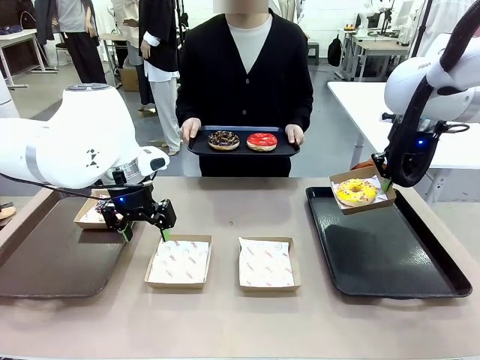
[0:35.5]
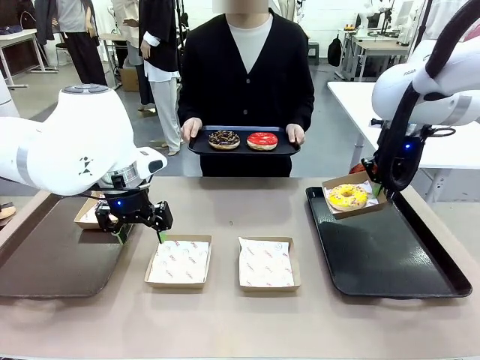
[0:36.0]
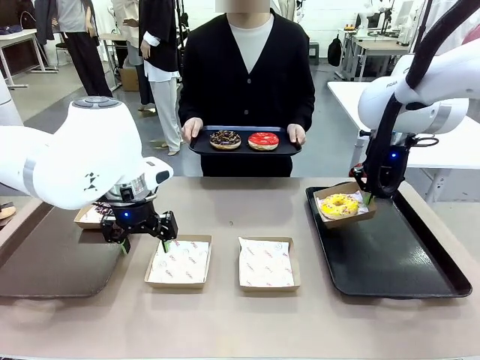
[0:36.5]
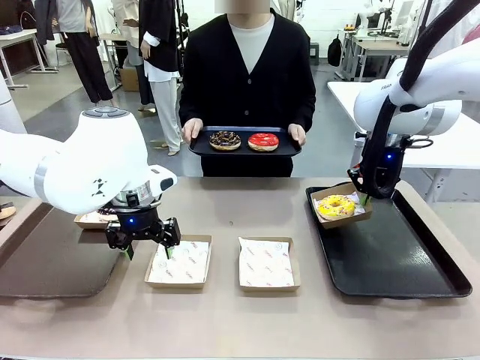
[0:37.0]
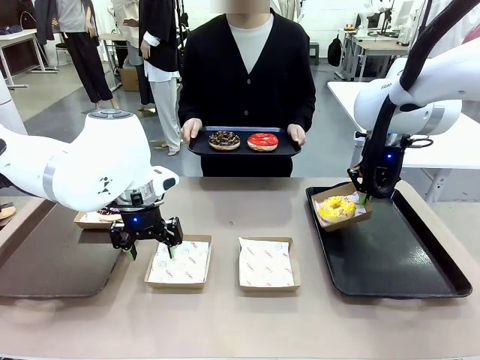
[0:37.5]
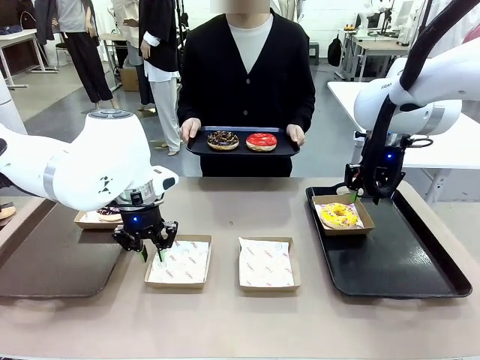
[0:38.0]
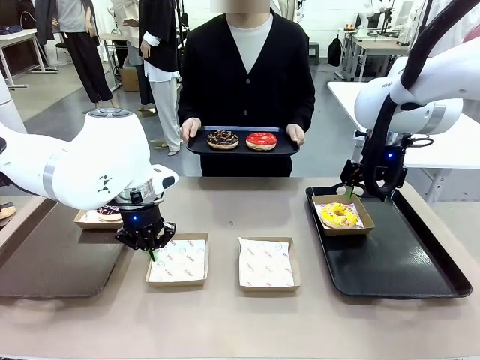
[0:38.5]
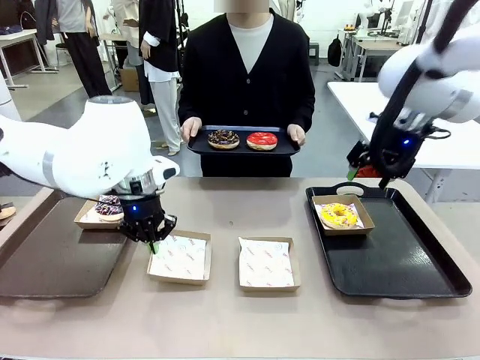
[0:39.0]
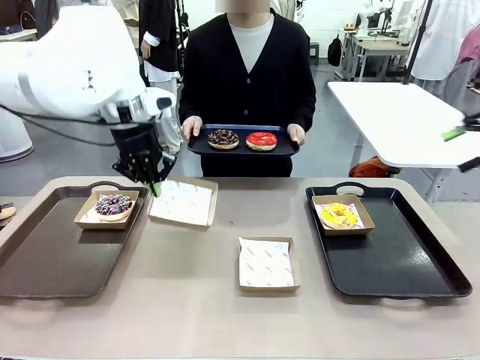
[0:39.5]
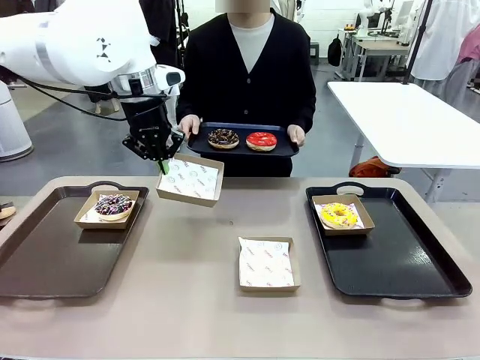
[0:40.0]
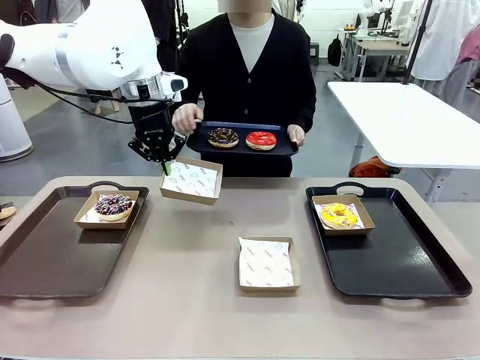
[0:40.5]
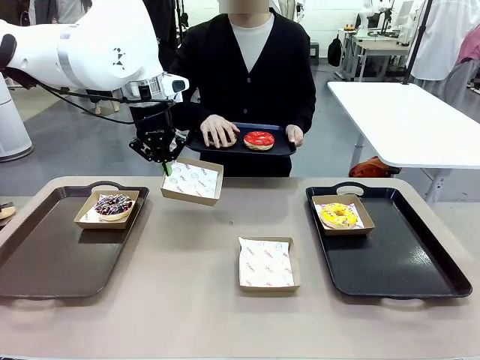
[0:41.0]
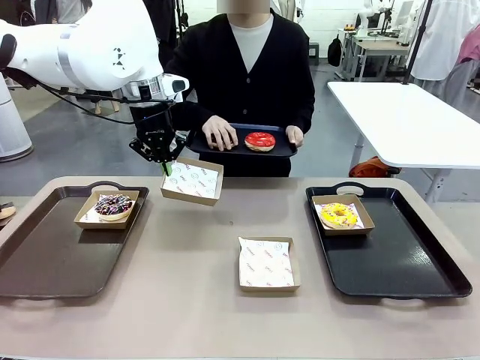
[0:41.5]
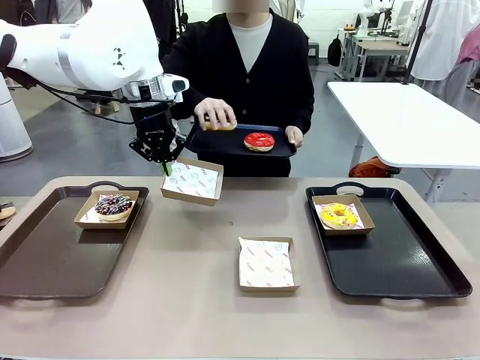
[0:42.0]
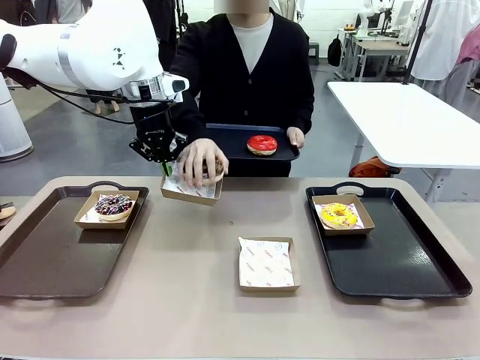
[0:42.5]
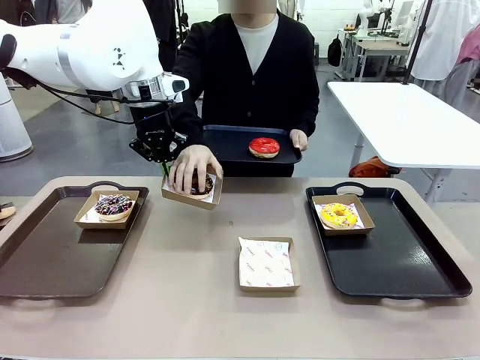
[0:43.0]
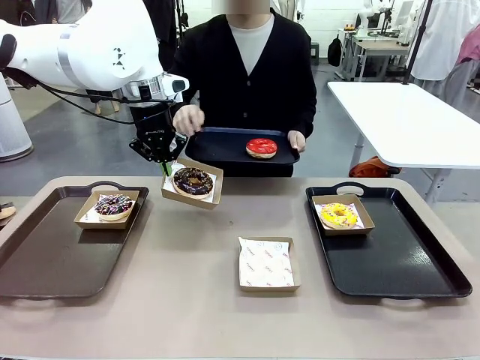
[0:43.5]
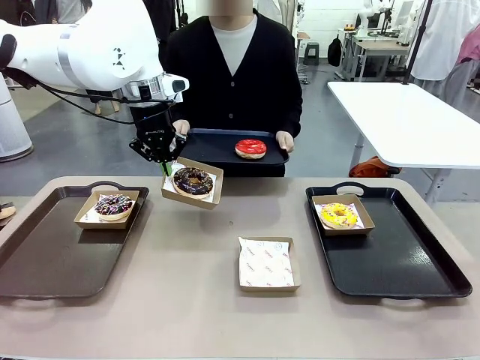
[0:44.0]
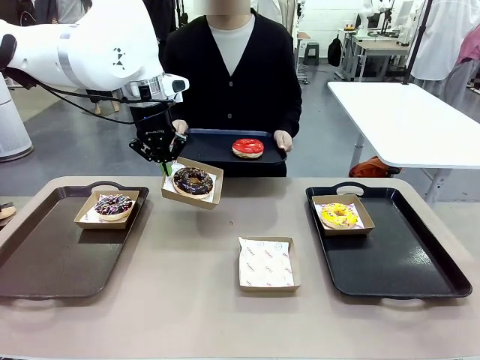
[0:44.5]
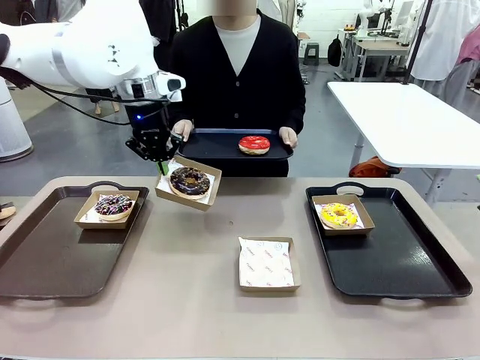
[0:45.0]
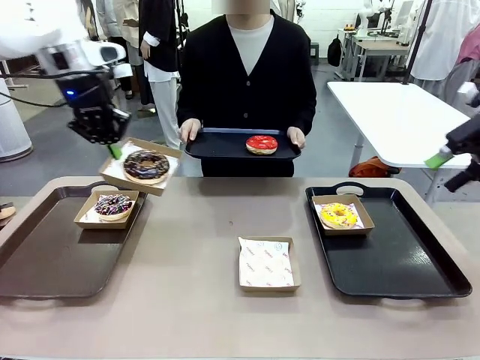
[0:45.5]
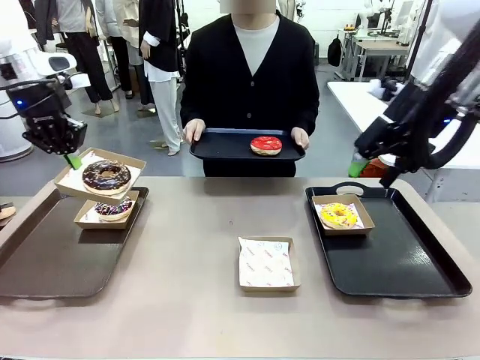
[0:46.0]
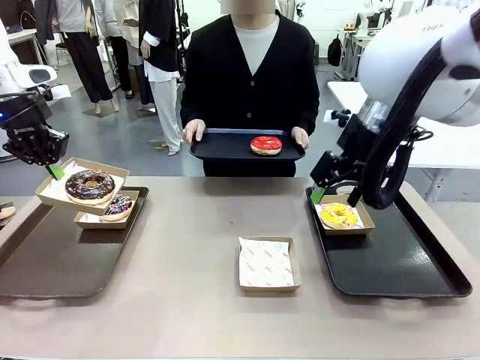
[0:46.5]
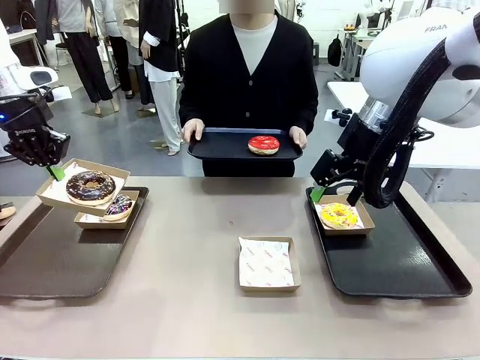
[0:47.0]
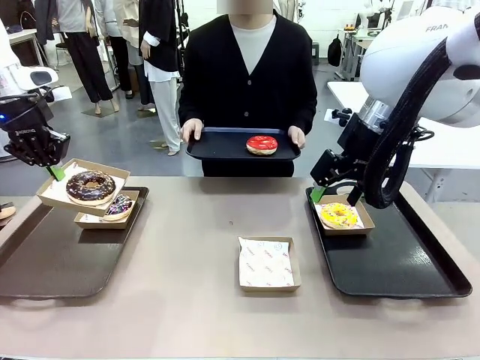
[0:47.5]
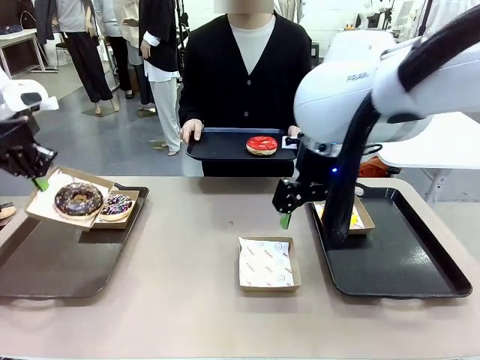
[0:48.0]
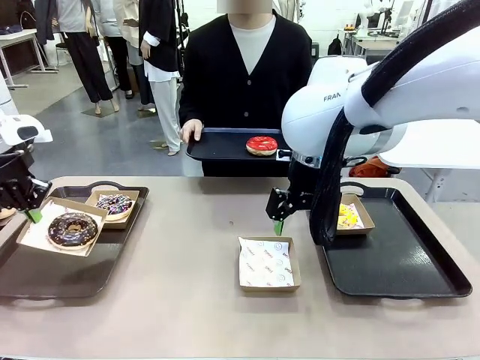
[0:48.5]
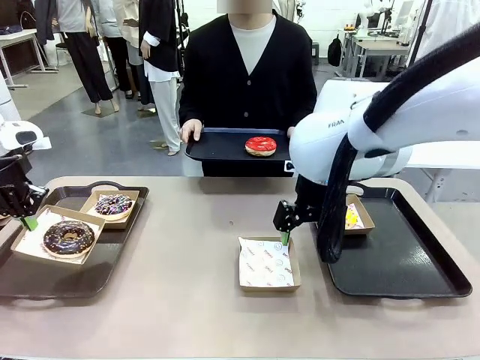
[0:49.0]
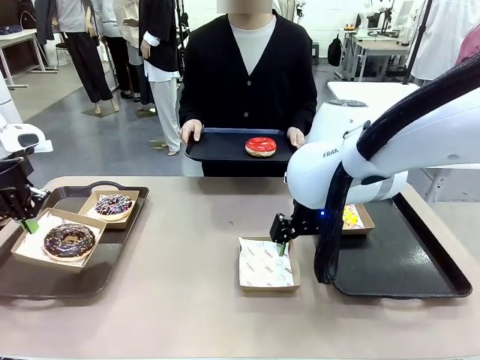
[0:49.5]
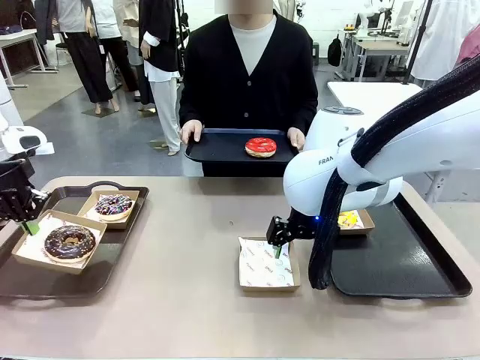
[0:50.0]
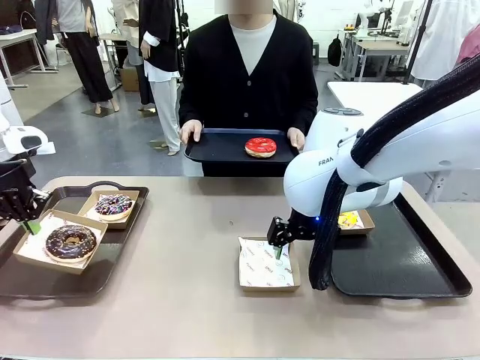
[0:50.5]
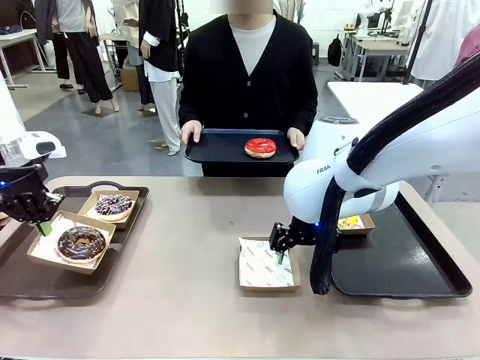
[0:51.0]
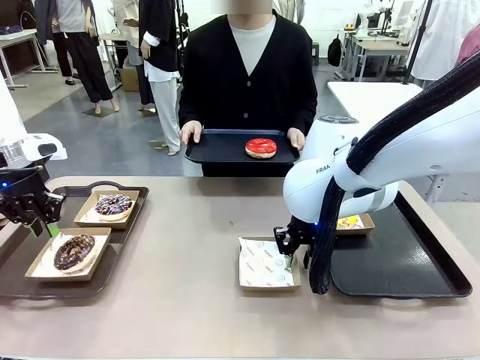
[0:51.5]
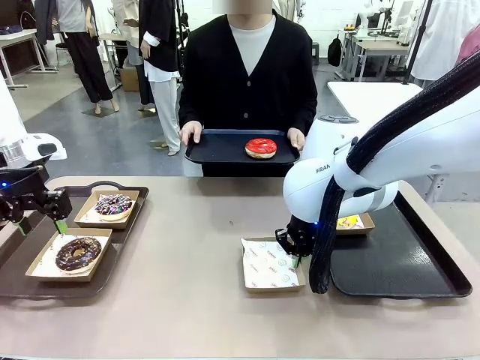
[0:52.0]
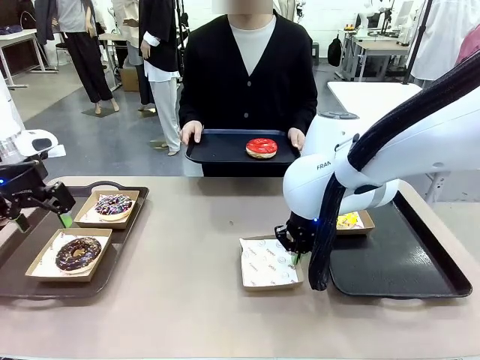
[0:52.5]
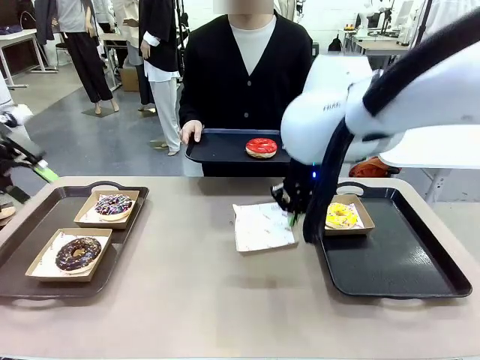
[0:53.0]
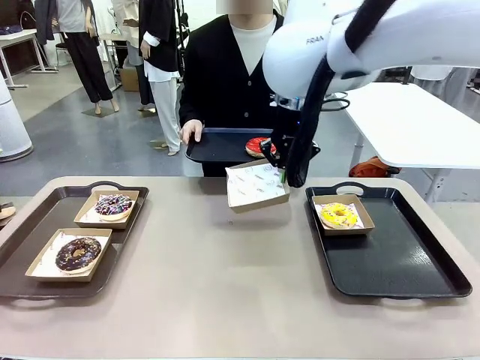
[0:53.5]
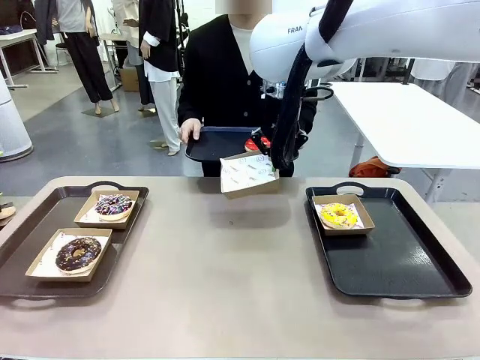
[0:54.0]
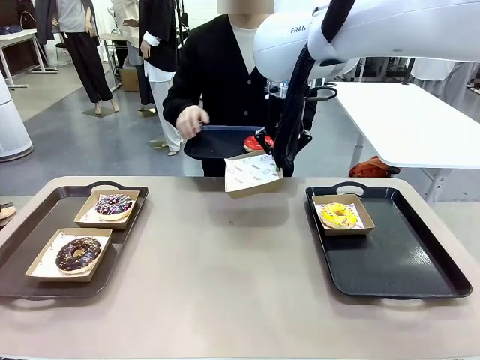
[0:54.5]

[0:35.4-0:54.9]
Task: Individually package the donuts and arrange them on the tray.
Robot: Place the picked Paper togo box on the Handle tray while simultaneously picking up another Paper togo box from the table with the other hand.

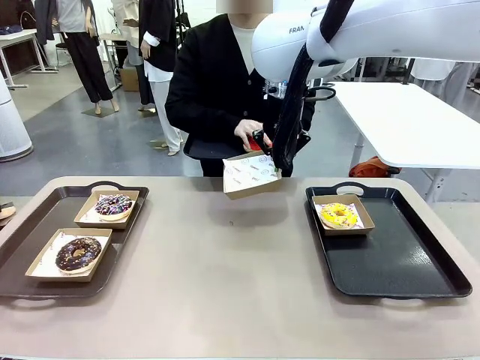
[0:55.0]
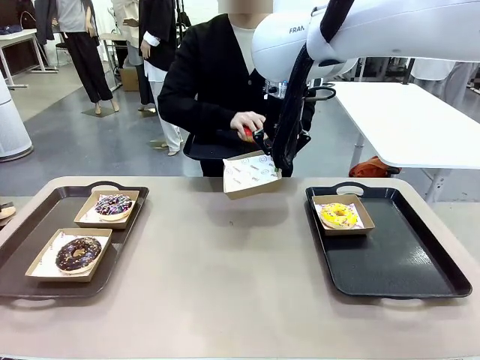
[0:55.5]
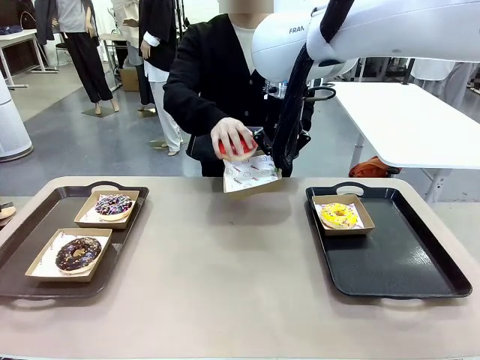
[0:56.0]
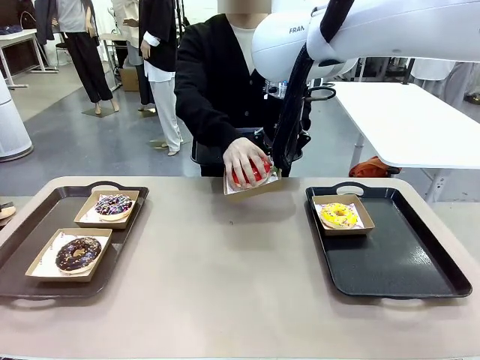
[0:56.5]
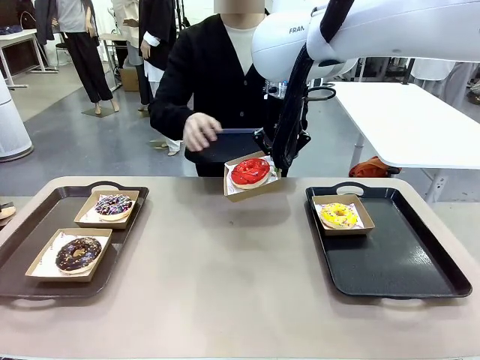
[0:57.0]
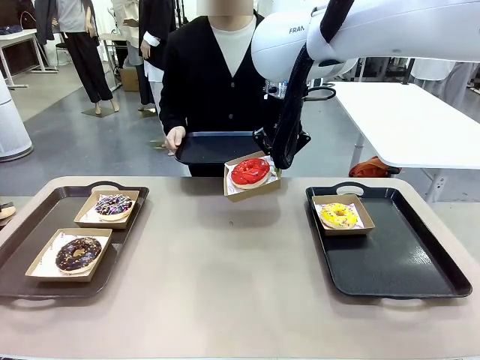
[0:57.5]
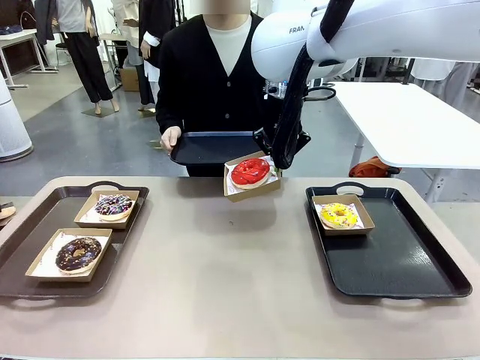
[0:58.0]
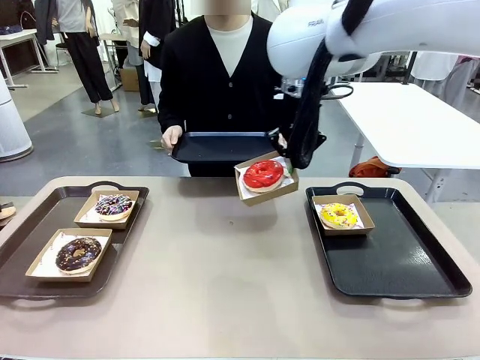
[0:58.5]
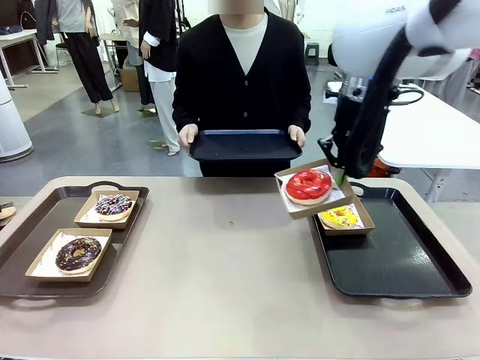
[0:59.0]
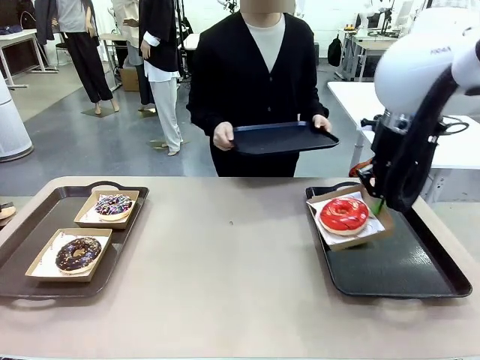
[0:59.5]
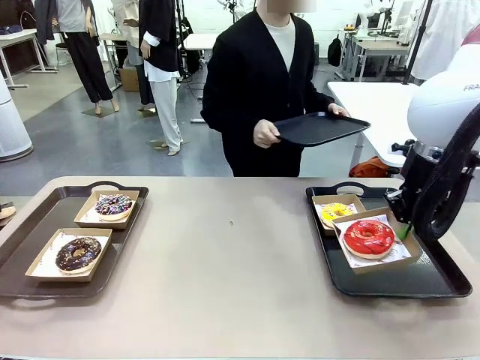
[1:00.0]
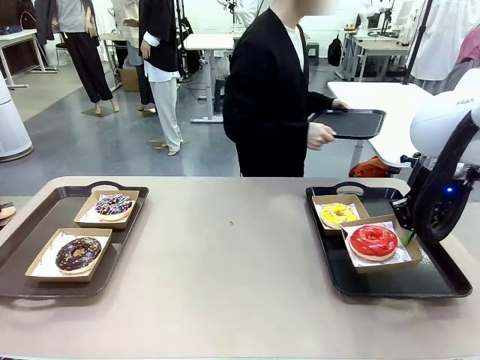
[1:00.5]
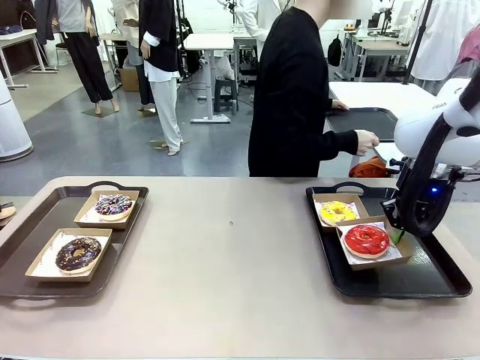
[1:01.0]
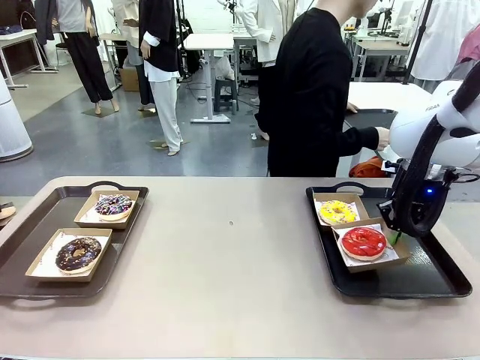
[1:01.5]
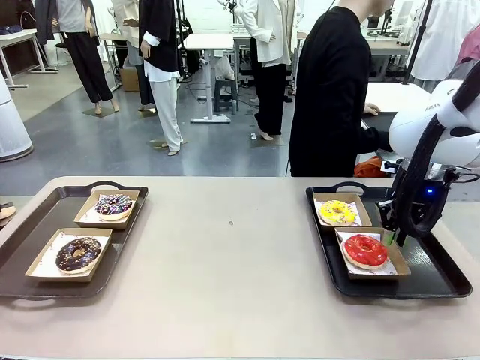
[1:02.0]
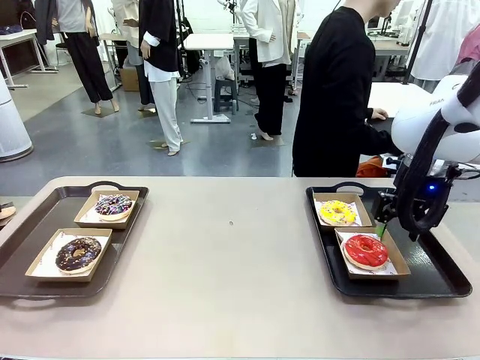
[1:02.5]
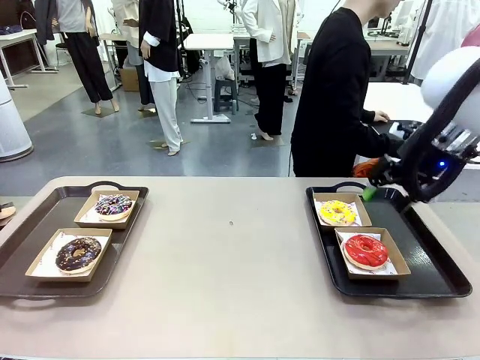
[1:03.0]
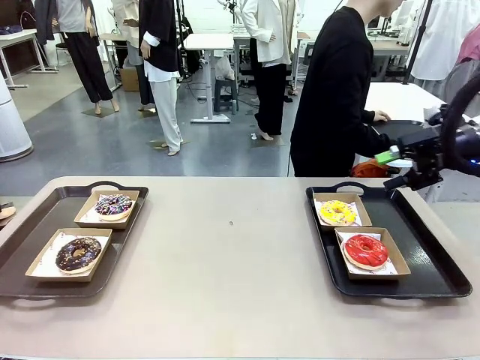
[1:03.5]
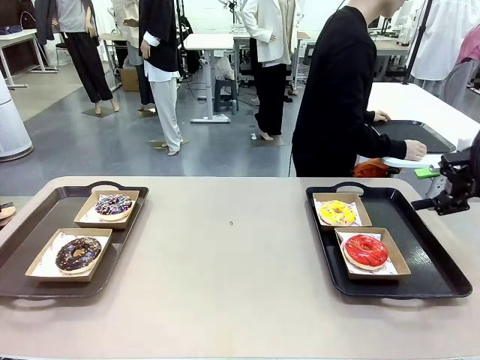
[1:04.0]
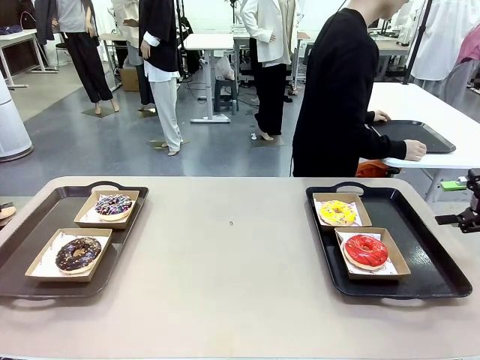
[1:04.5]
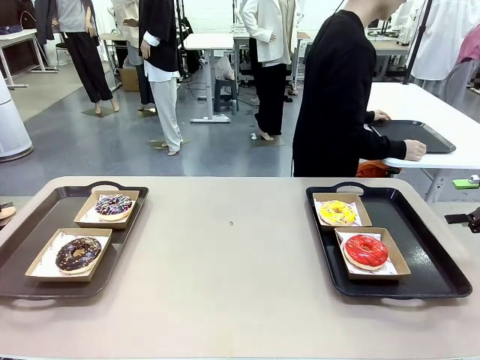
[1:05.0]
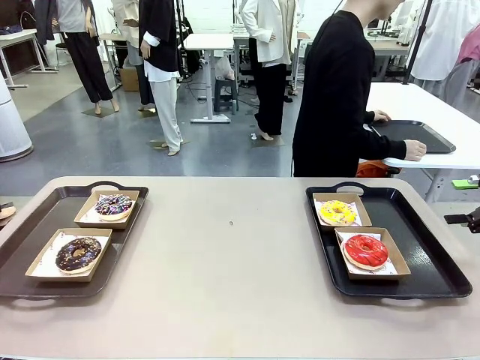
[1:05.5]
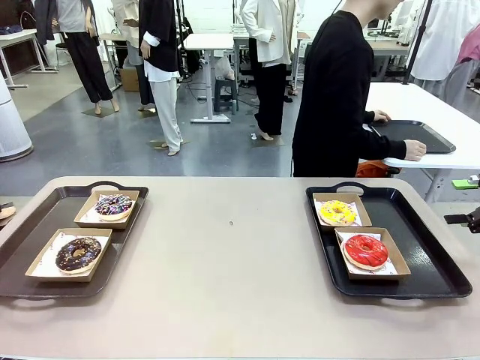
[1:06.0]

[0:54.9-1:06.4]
Robot: Place the picked Paper togo box on the Handle tray.
Person: Place the tray down in the middle of the human table.
